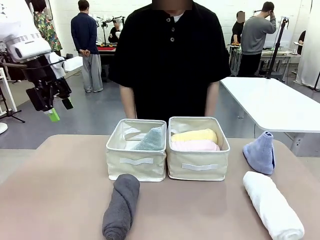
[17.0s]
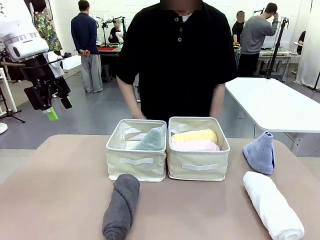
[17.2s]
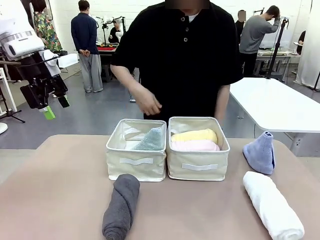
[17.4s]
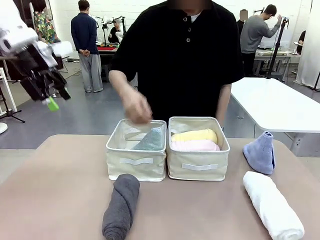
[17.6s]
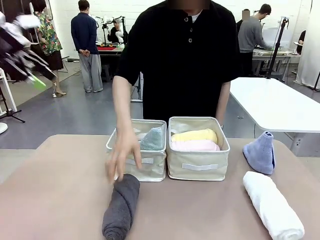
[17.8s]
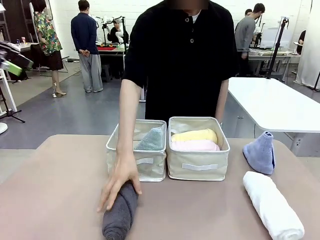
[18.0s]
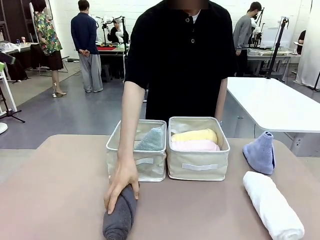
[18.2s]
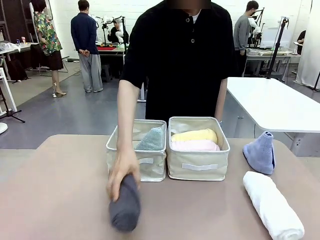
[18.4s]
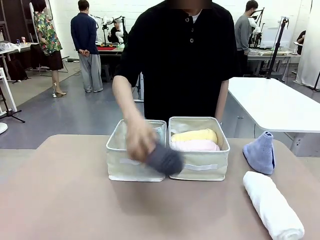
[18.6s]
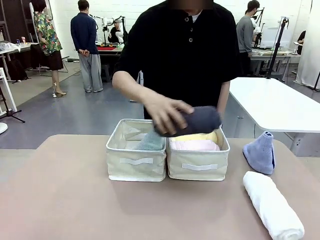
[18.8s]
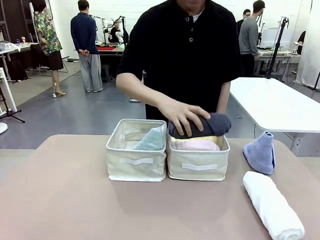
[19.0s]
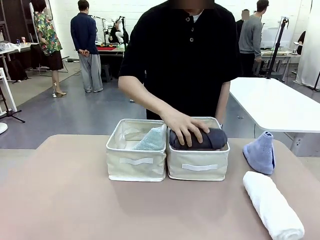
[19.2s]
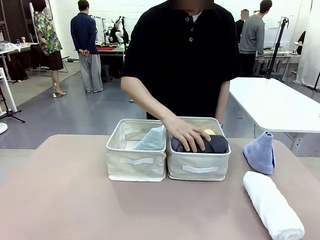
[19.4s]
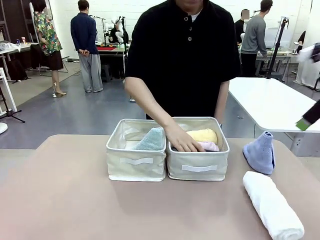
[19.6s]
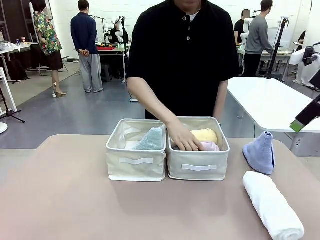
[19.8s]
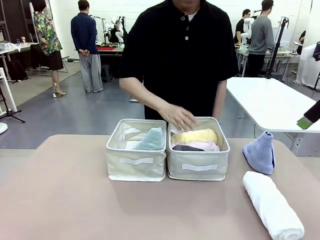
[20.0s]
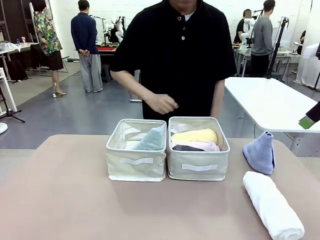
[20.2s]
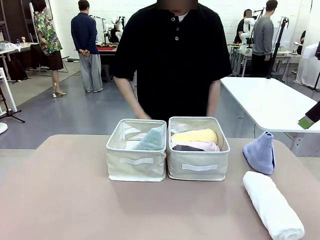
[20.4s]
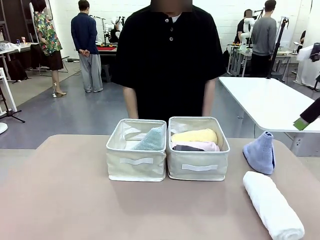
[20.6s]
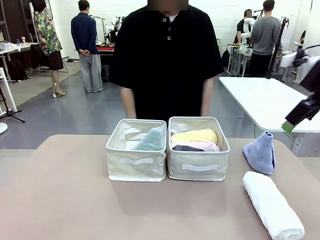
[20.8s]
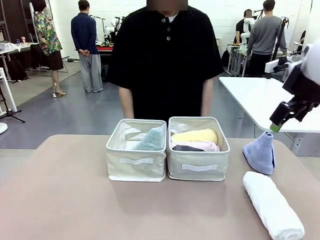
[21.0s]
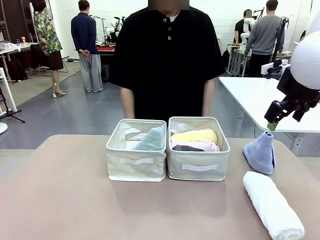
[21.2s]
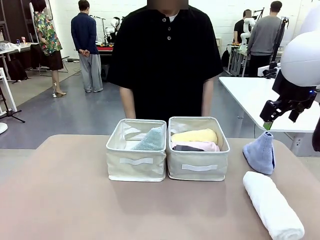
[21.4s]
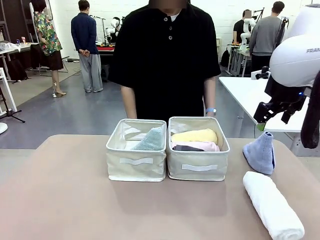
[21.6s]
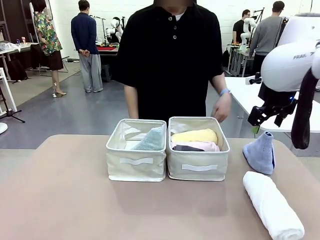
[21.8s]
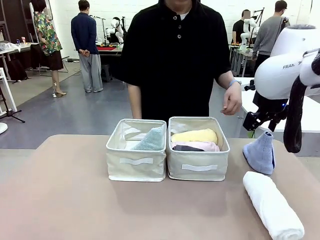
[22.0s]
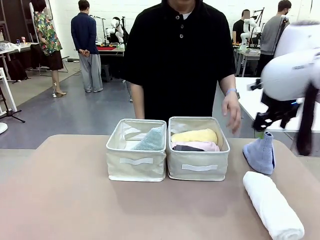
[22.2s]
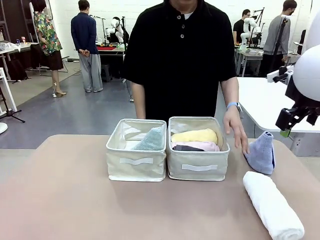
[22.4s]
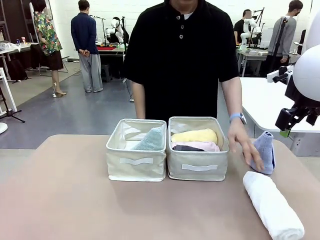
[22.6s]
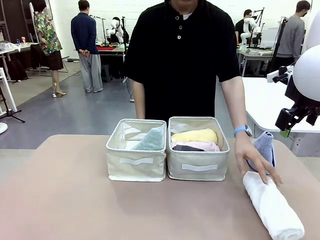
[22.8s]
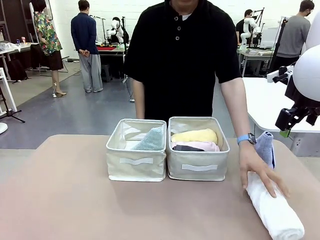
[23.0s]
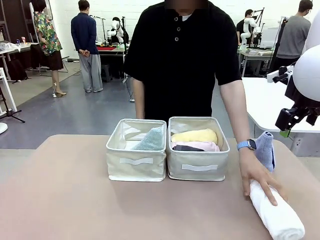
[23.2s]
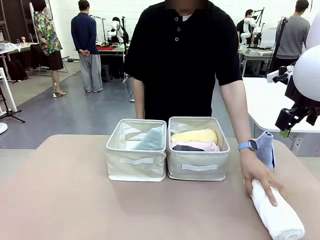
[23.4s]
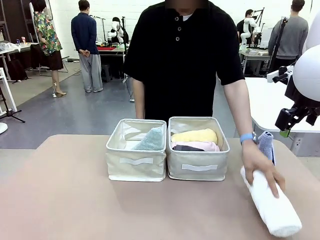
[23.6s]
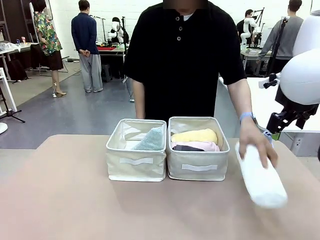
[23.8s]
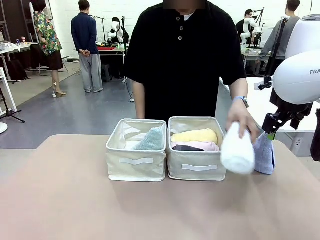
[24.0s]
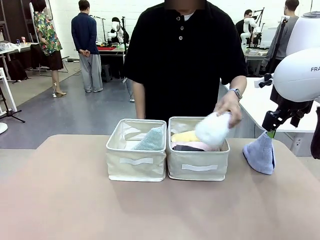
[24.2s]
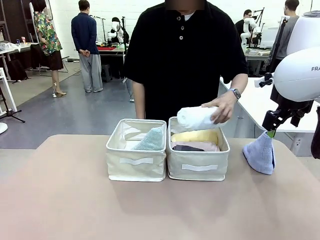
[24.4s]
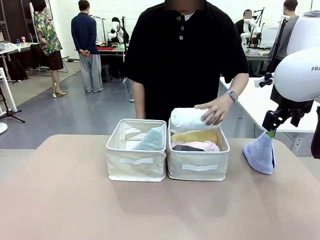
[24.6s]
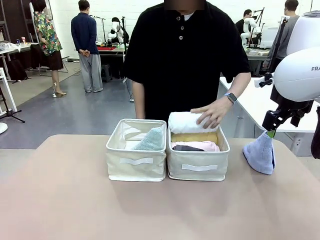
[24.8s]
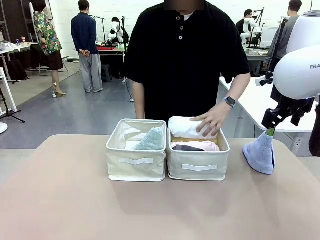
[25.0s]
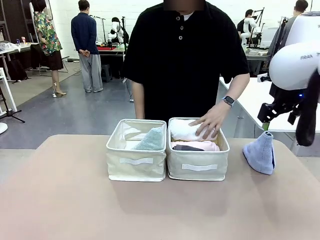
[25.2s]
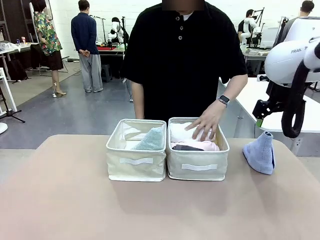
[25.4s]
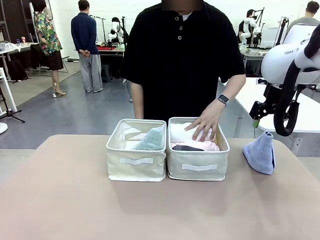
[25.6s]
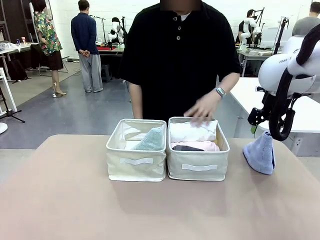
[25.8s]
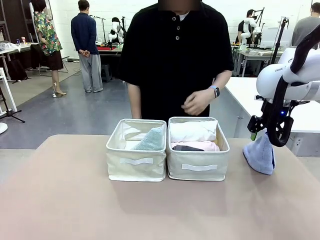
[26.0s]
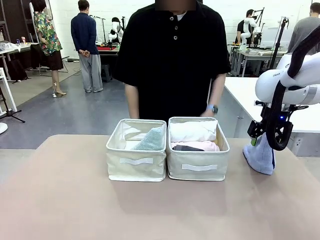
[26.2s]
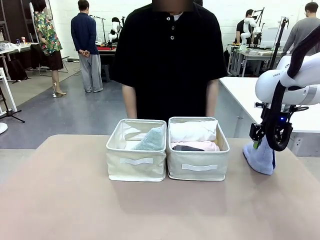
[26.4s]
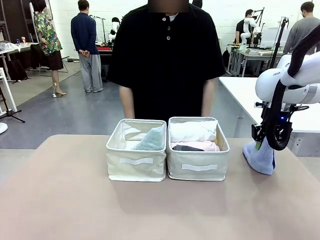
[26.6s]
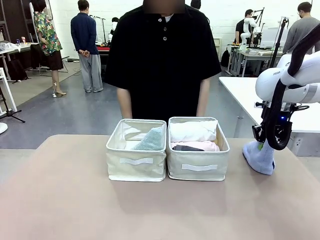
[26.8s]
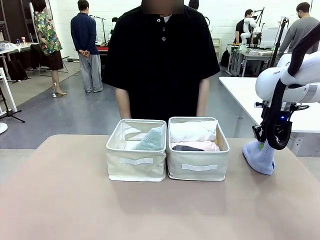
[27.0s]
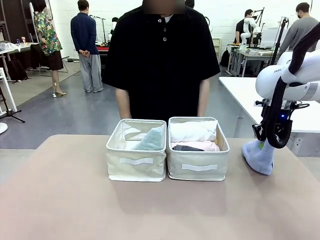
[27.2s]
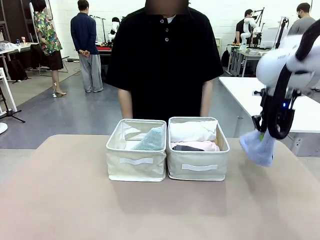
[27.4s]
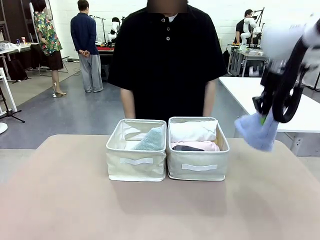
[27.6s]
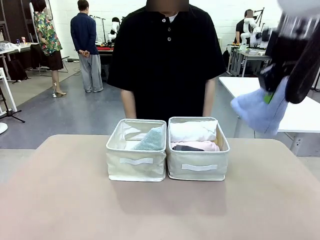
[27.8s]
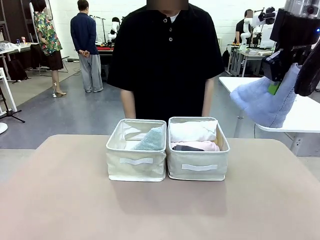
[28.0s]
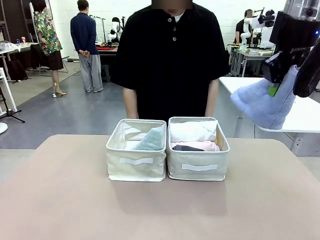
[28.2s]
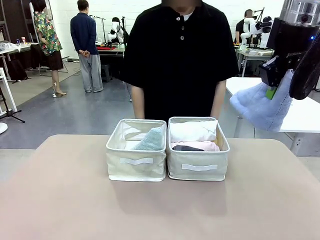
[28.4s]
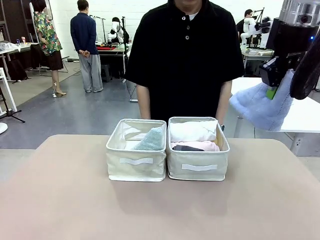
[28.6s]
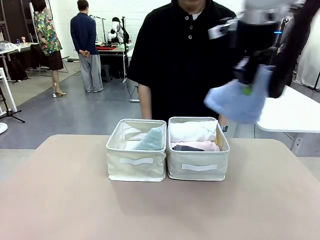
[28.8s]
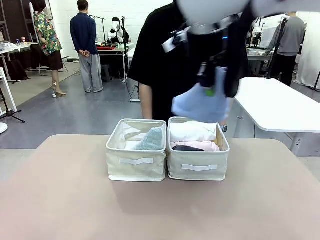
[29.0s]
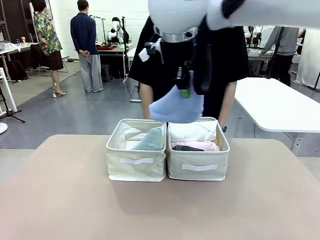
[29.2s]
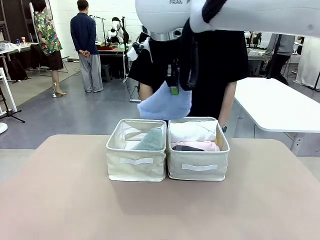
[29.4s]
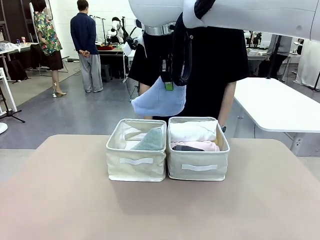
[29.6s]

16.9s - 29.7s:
Task: Sort the towels based on their folding style.
Robot: Pick up another triangle-folded towel from the table and place it in the left Fabric basket.

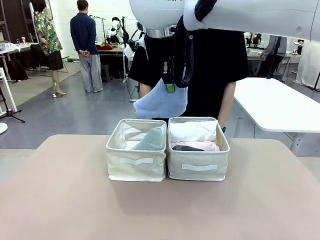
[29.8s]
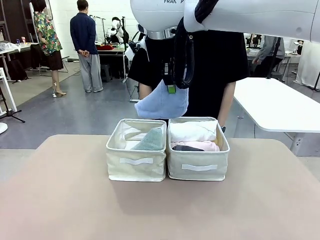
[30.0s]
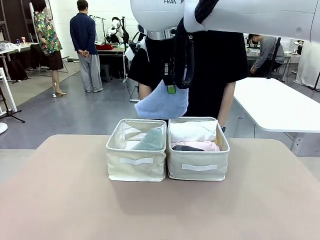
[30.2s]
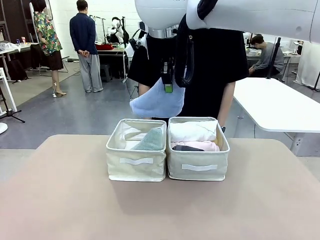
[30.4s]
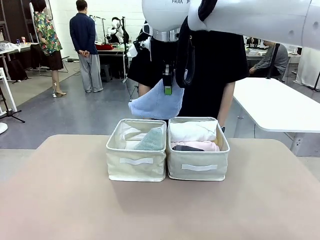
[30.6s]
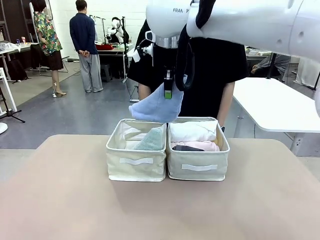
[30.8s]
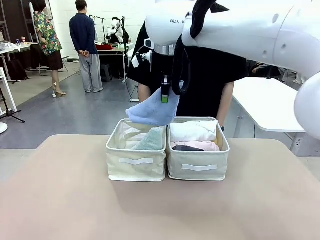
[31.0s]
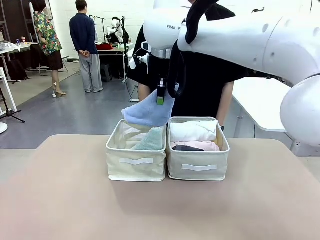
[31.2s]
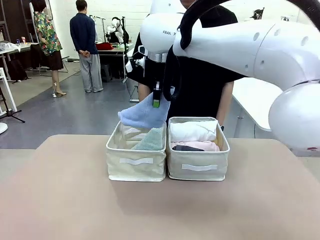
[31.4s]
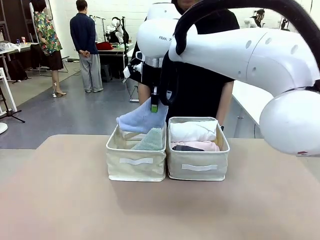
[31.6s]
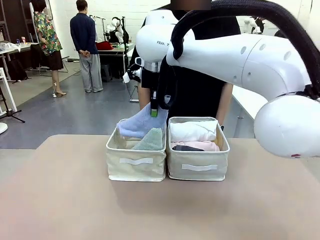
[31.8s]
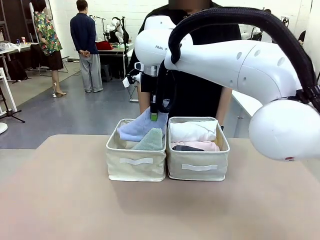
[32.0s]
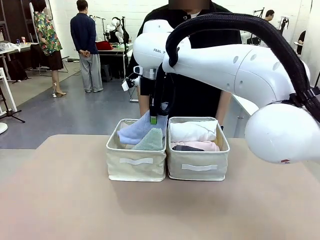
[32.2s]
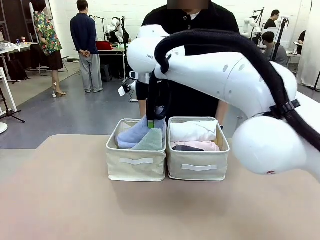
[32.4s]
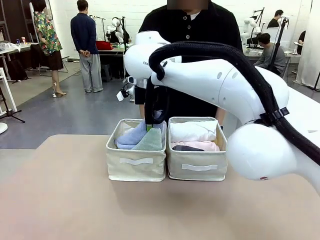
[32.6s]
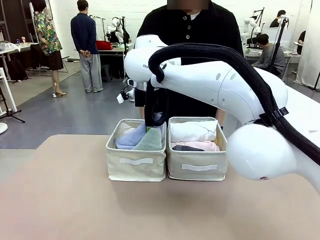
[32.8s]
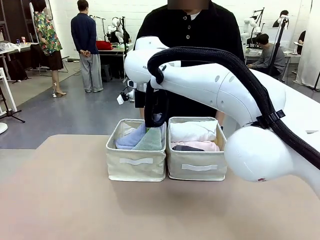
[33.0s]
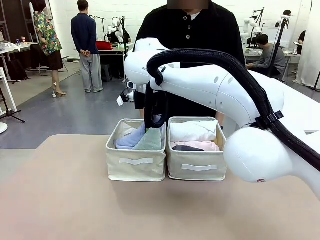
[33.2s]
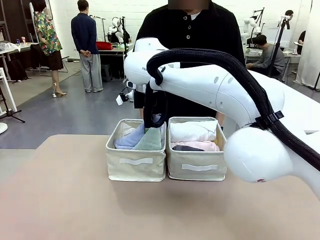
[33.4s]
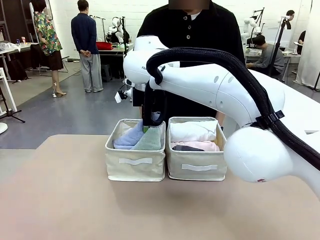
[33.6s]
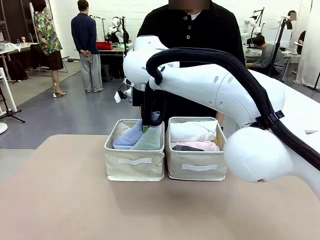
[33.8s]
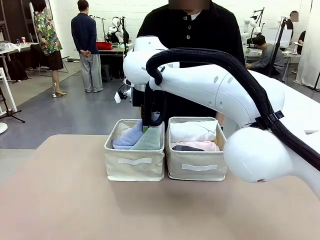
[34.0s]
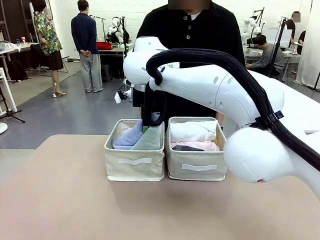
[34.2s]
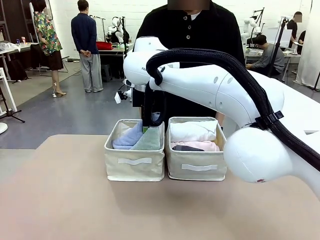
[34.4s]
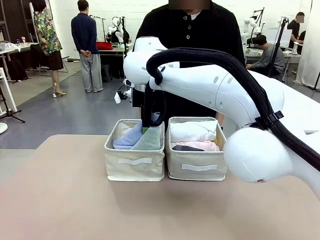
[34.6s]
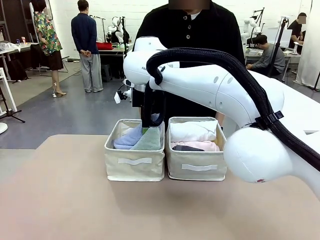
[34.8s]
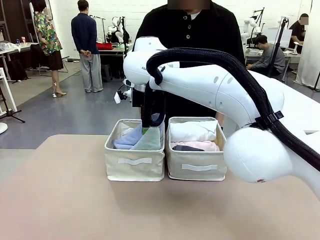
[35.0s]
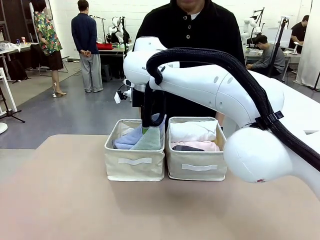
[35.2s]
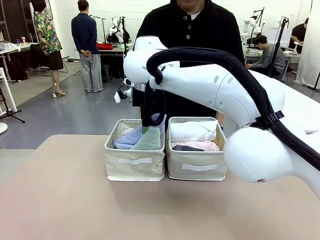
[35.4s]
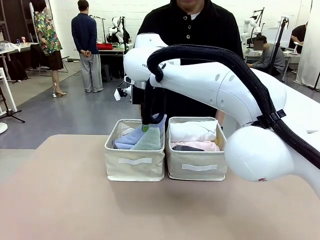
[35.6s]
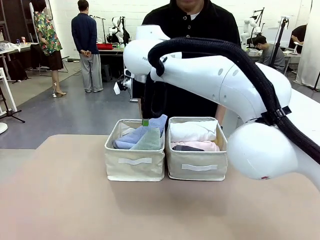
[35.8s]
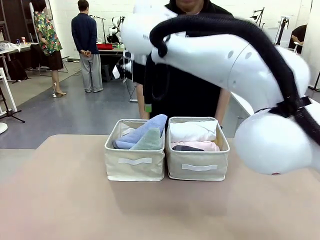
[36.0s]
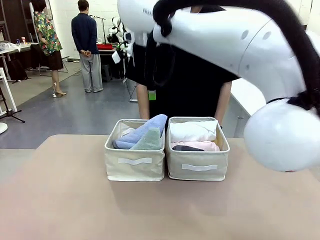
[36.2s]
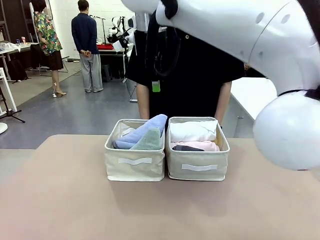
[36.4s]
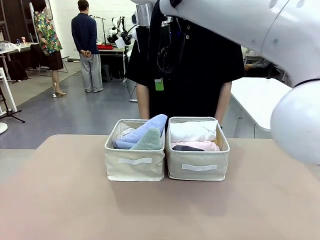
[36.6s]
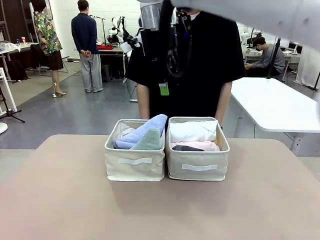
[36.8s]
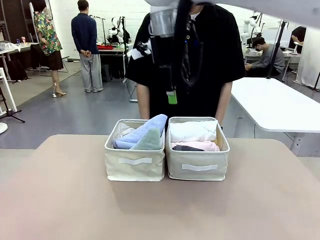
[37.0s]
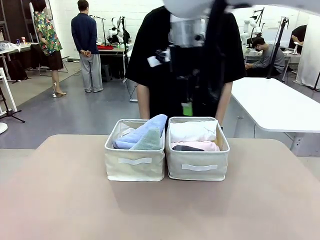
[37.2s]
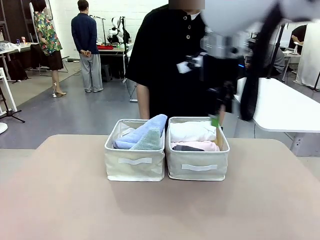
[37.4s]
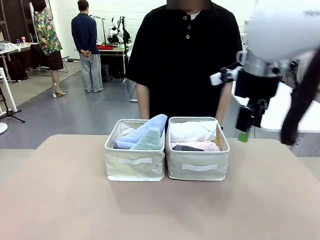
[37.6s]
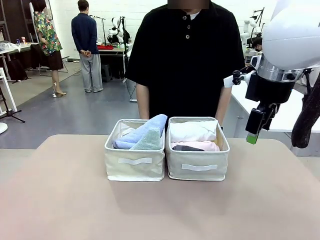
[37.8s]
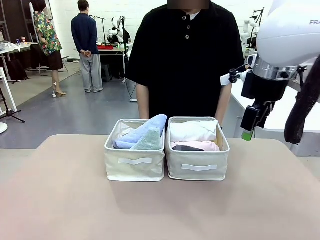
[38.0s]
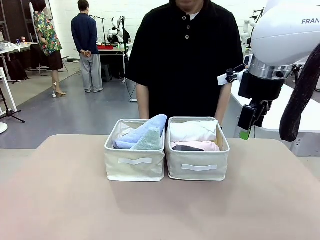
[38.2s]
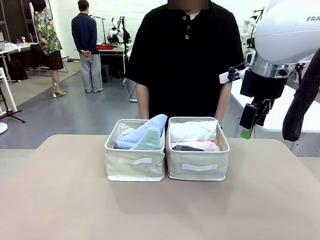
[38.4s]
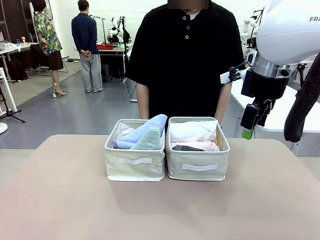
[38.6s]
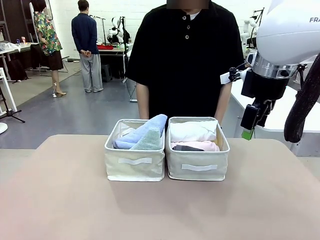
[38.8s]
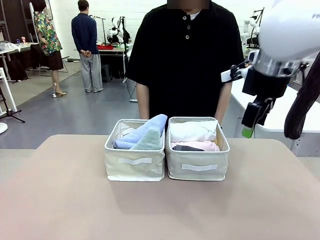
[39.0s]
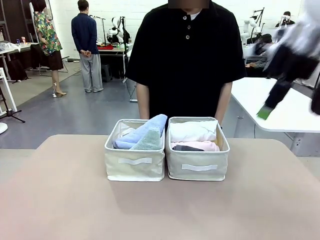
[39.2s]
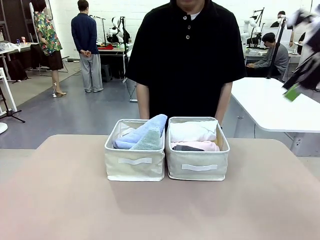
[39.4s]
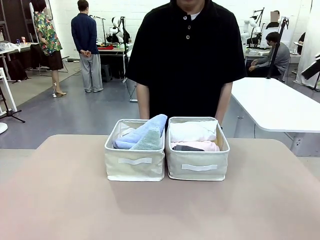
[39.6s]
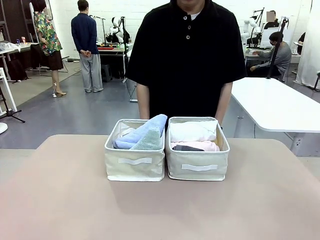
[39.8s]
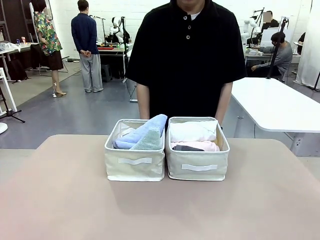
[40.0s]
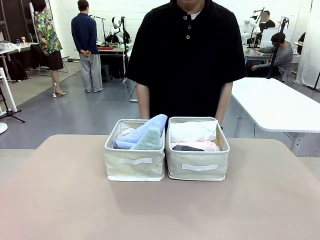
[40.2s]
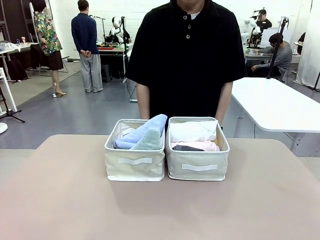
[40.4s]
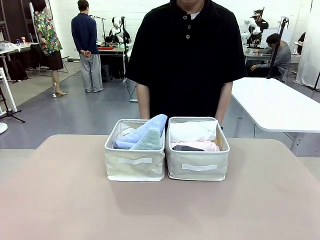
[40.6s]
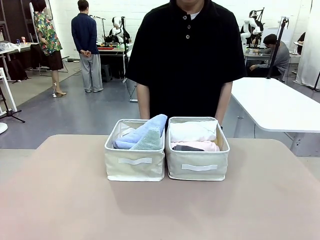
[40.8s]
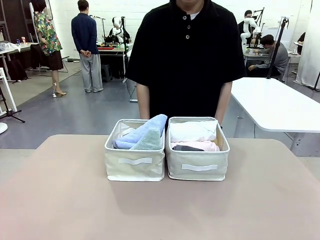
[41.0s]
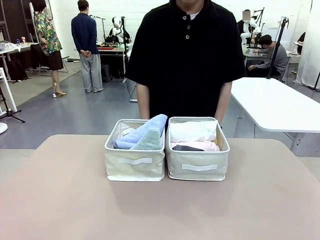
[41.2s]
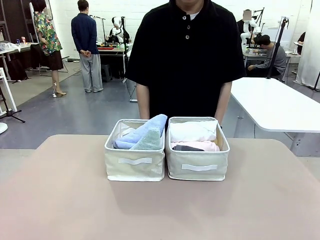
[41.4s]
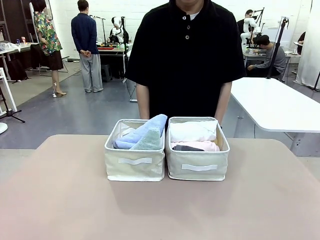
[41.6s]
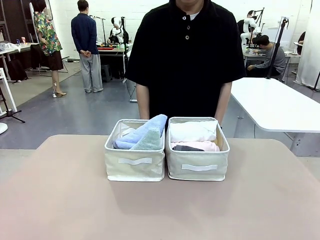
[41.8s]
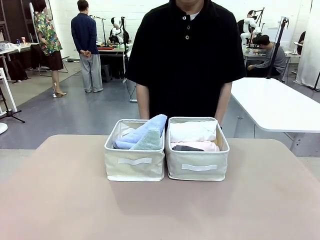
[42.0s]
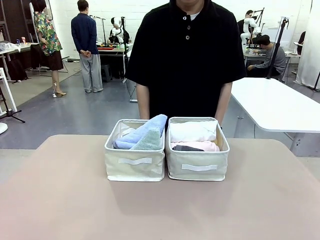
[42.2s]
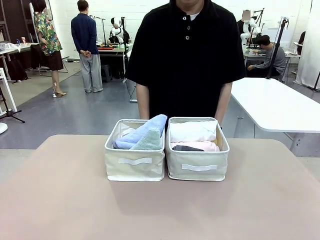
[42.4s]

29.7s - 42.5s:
Robot: Pick up another triangle-folded towel from the table and place it in the left Fabric basket.
